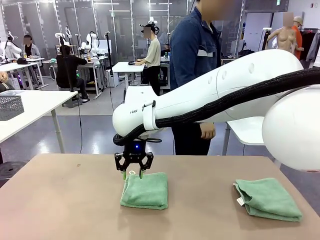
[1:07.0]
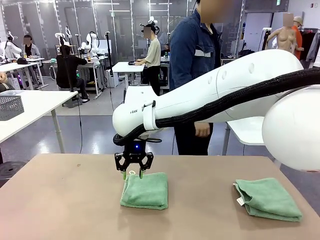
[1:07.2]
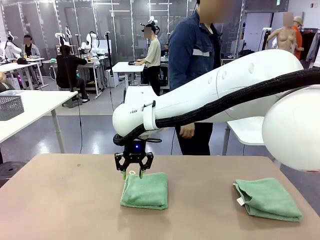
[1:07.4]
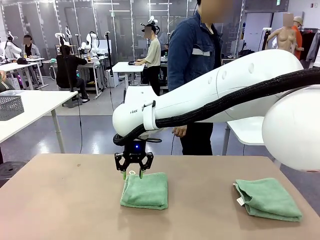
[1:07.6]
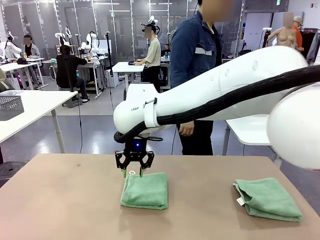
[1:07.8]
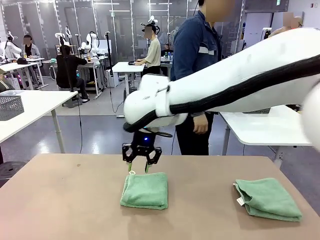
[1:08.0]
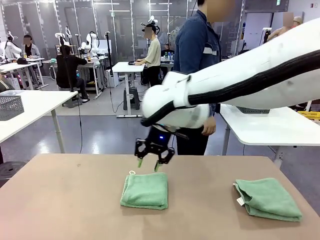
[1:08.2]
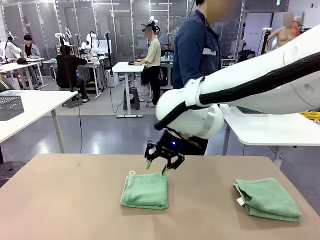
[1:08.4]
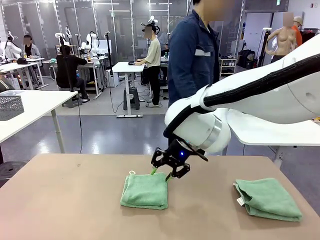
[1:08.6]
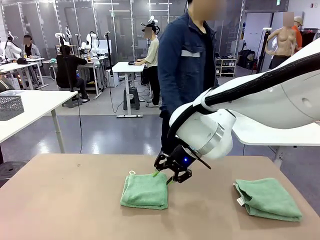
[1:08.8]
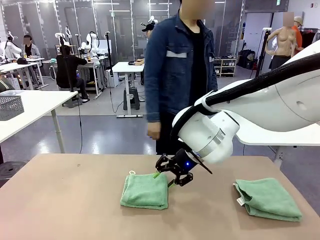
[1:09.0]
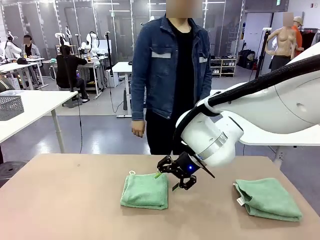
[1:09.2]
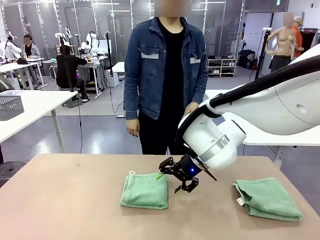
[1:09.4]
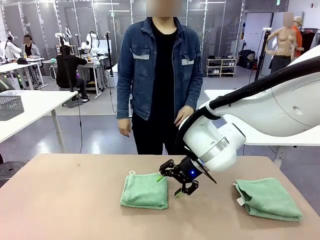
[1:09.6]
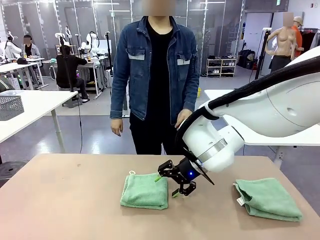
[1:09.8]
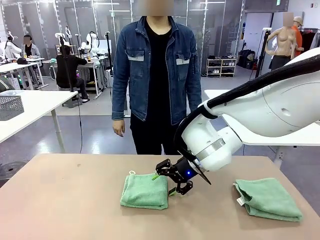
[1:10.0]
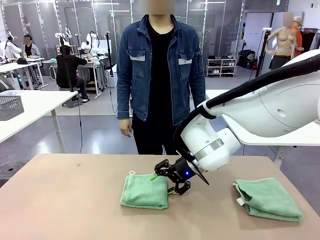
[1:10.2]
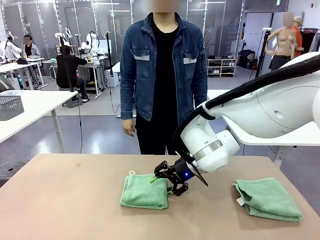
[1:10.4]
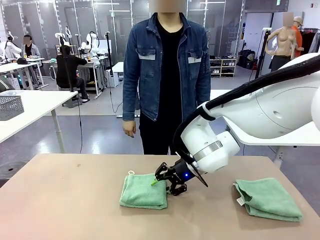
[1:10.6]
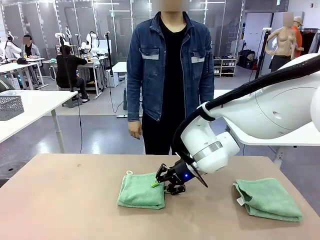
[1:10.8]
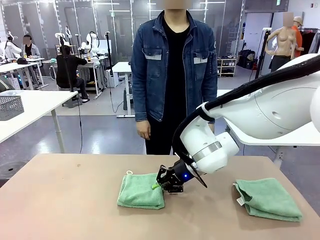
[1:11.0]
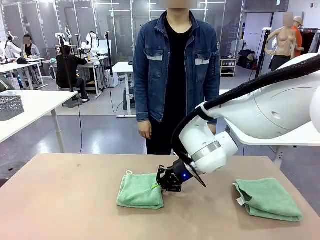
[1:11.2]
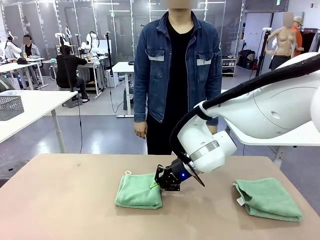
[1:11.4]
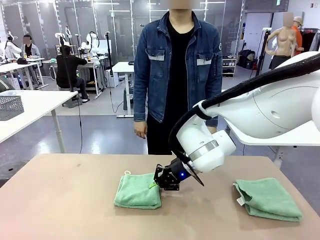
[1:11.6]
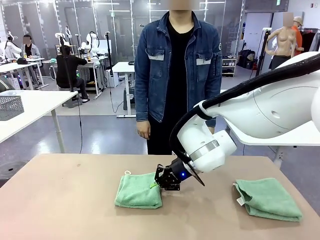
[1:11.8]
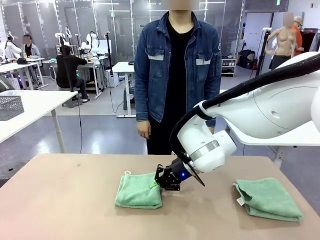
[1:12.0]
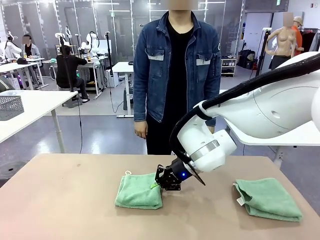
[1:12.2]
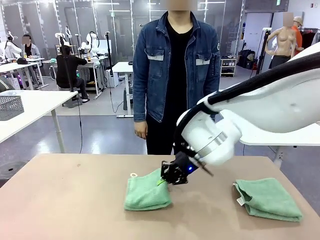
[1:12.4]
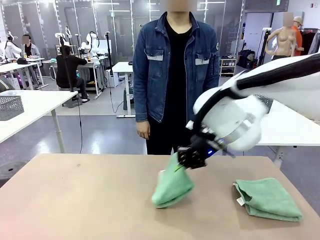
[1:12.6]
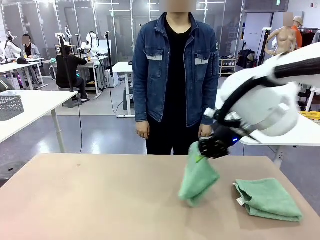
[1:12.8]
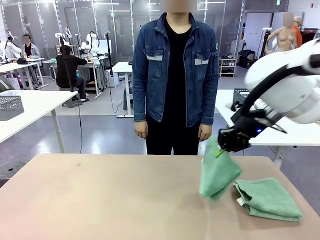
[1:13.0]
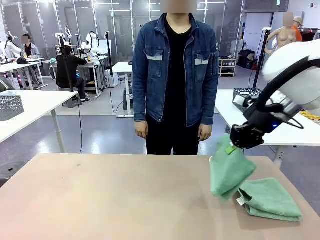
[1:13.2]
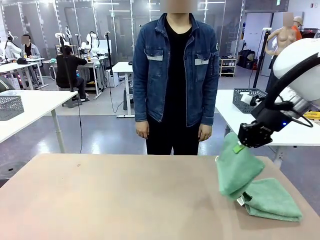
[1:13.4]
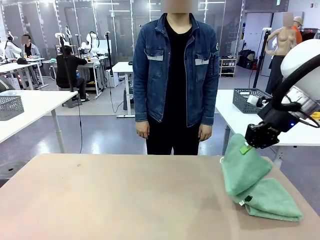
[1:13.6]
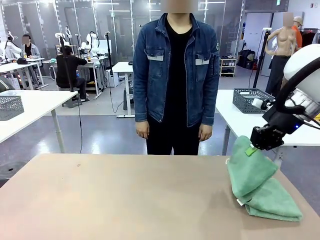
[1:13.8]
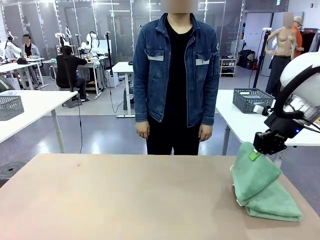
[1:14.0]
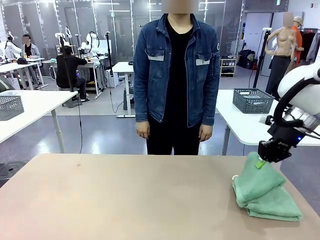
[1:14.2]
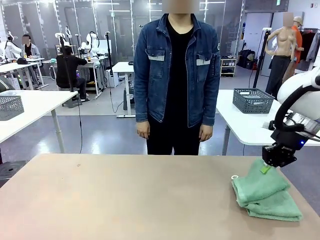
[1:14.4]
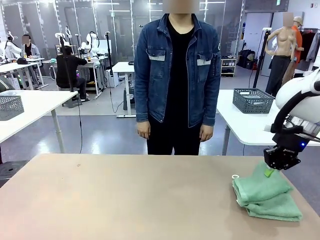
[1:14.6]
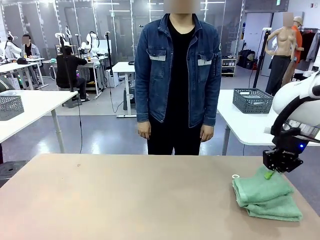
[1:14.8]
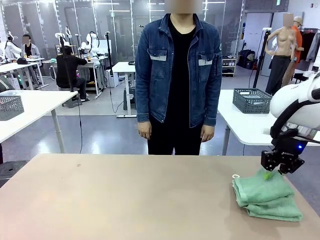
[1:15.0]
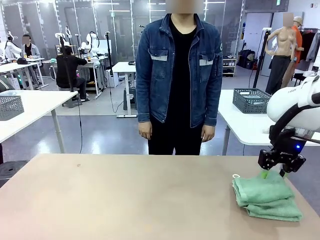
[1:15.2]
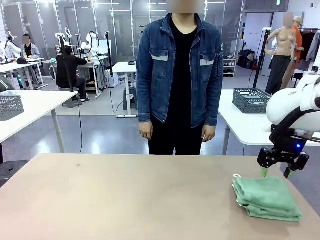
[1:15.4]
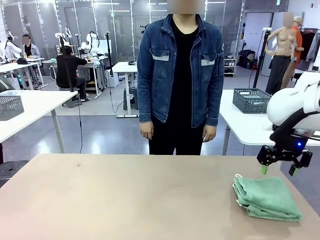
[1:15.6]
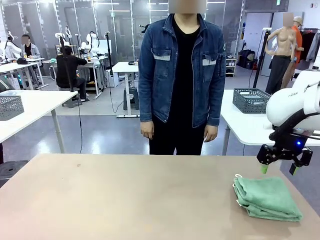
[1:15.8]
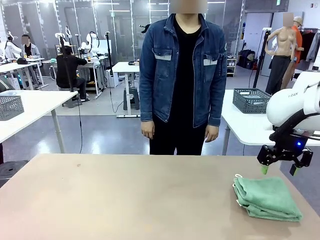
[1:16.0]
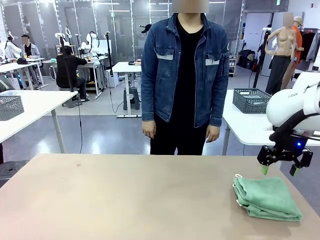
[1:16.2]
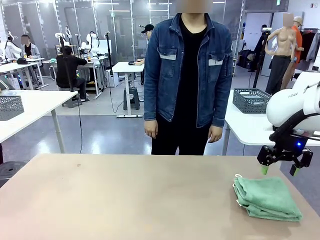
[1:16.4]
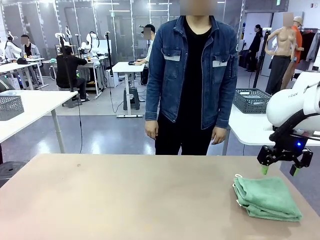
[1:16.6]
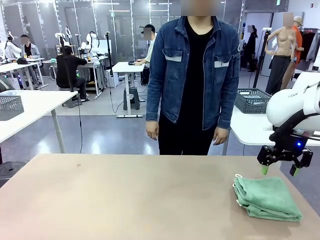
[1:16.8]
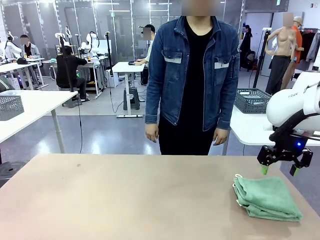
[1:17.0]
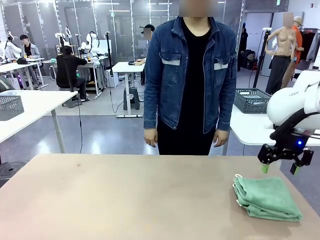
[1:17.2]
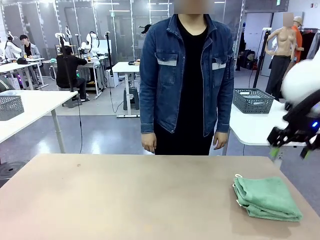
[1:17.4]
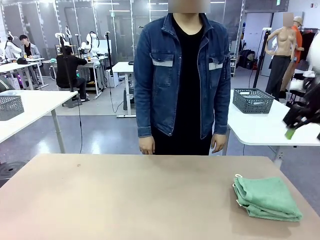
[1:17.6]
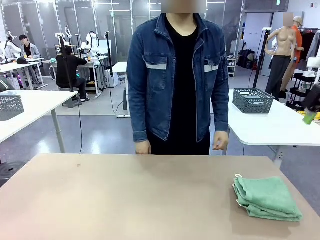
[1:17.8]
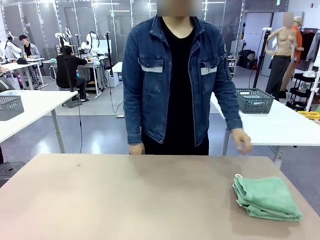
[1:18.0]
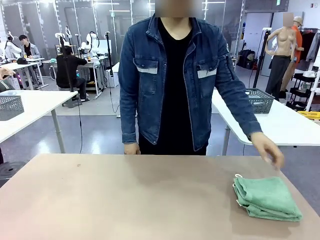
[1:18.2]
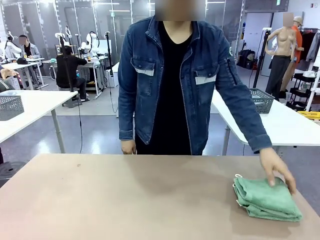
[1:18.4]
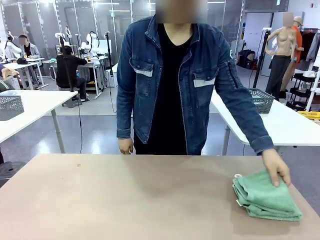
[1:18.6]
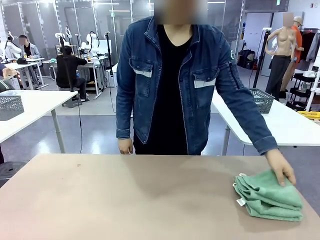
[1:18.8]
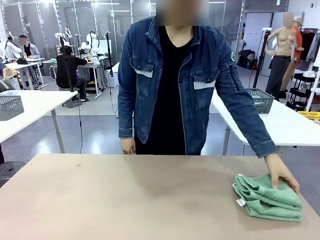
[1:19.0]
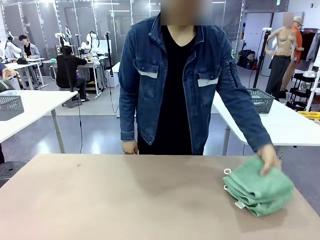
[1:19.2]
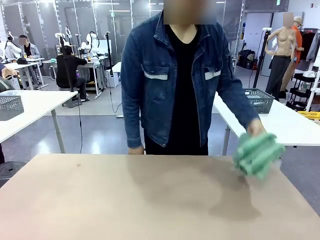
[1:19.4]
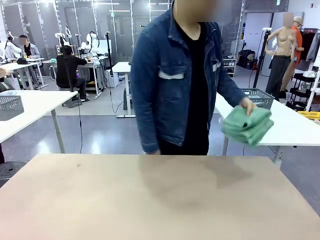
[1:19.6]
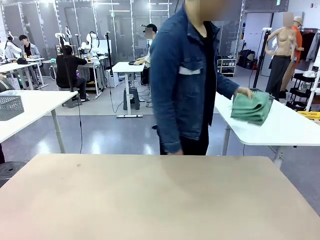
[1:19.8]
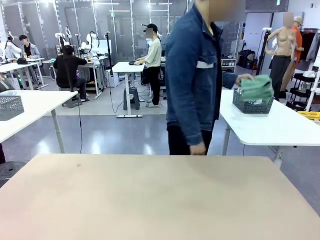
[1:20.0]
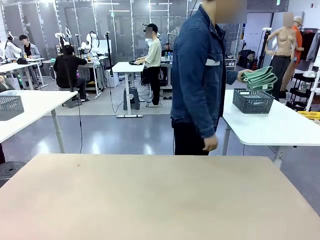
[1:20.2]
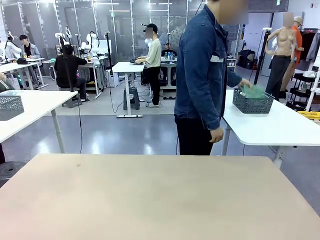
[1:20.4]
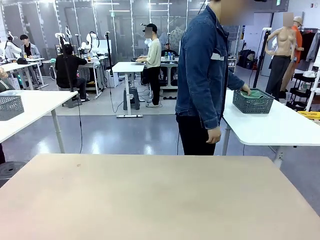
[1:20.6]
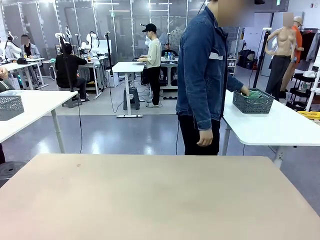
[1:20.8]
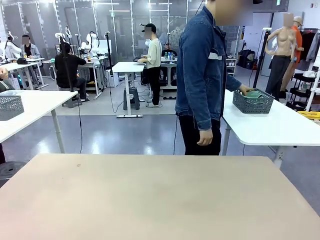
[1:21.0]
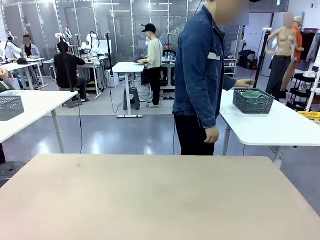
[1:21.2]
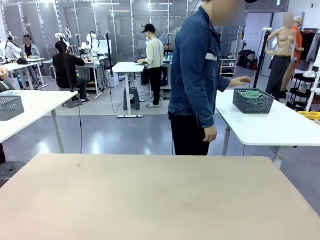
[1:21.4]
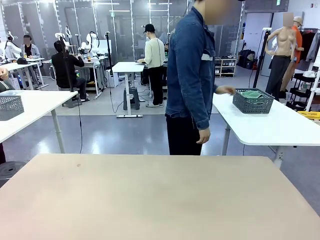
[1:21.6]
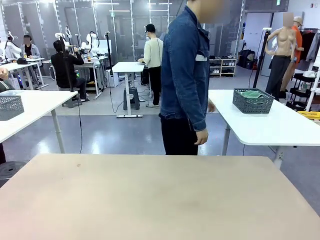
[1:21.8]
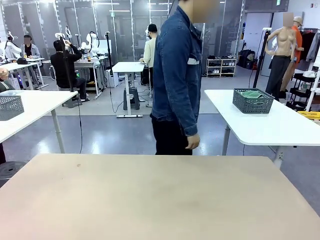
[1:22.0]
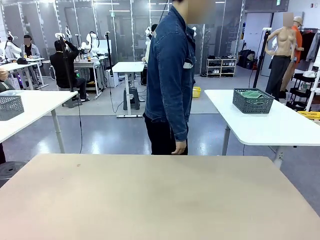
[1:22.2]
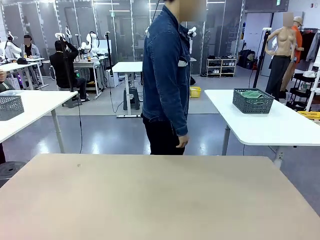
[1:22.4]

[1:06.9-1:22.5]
Task: Fold the towels and place them in the basket.
Robot: Stack the folded Towel with hook on the right side of the table.
Person: Pick up the stack of towels from the robot table and place it into the basket.
